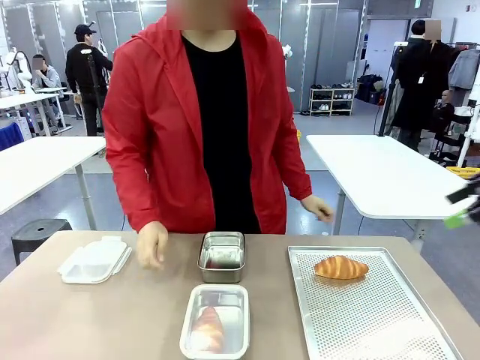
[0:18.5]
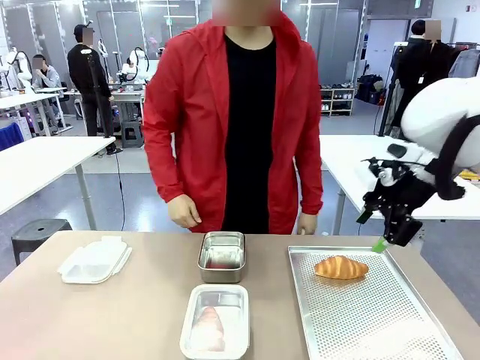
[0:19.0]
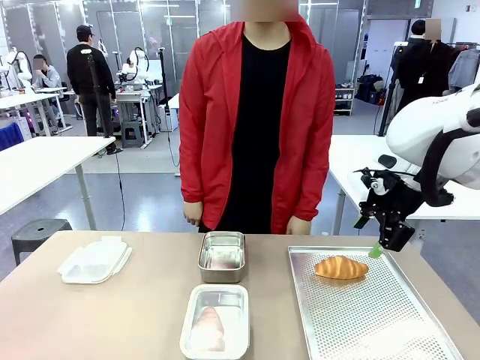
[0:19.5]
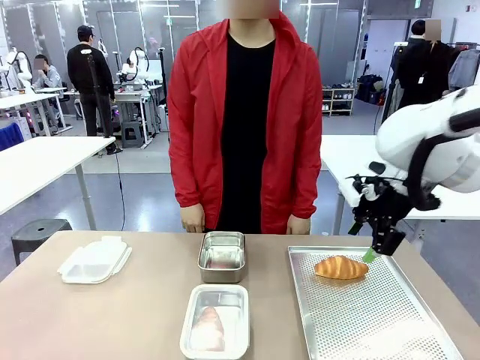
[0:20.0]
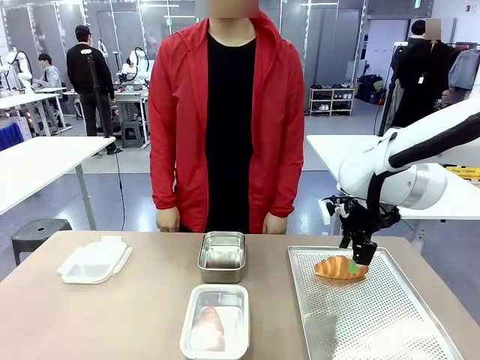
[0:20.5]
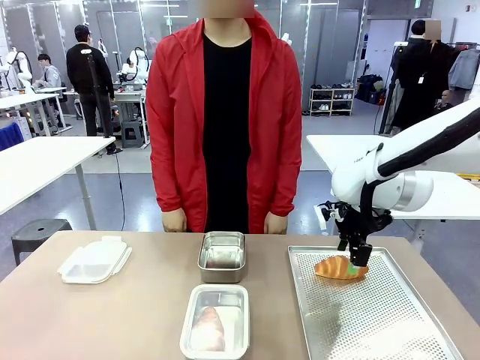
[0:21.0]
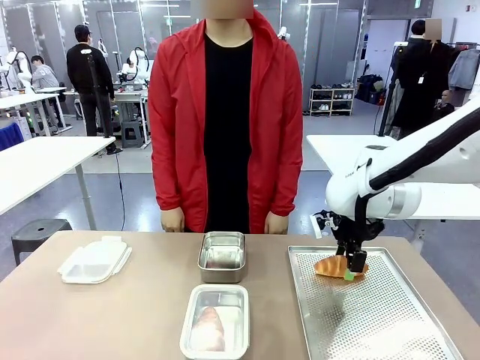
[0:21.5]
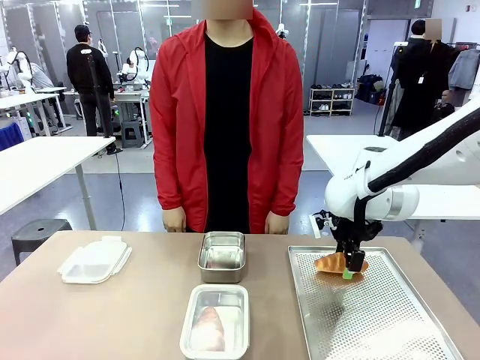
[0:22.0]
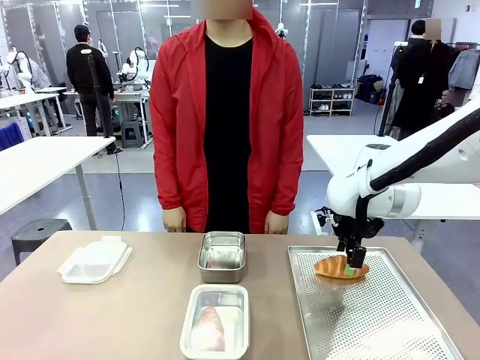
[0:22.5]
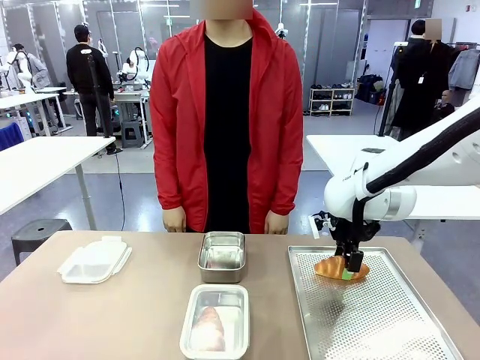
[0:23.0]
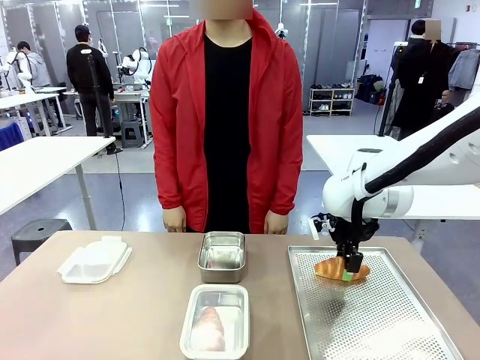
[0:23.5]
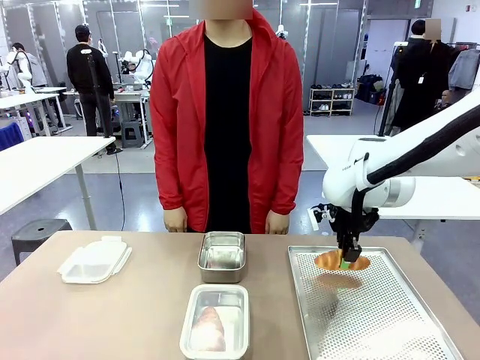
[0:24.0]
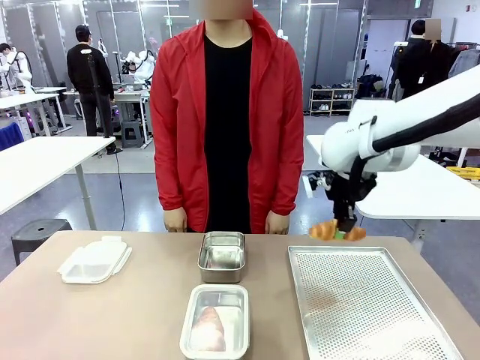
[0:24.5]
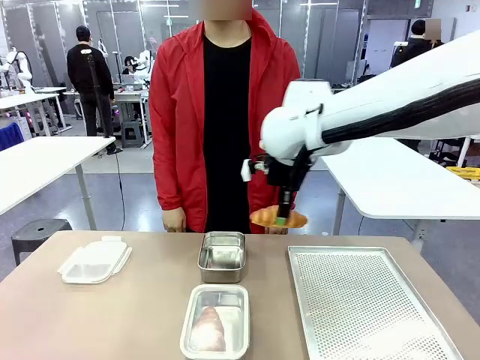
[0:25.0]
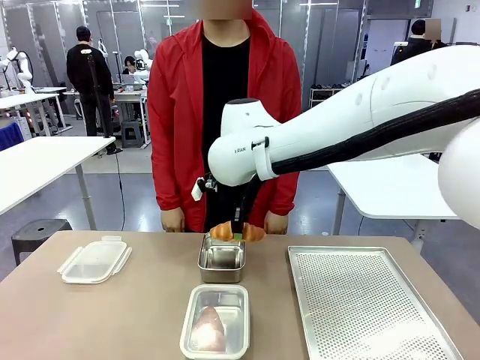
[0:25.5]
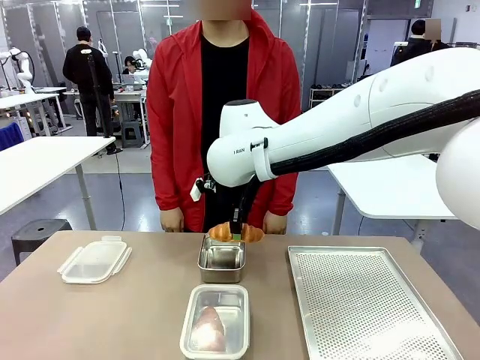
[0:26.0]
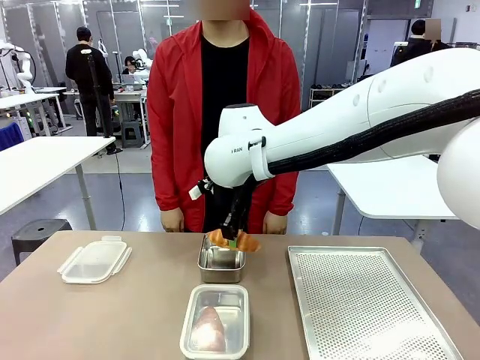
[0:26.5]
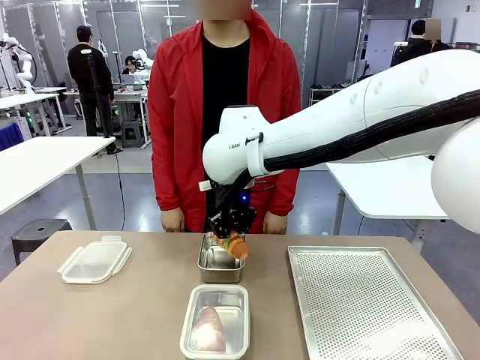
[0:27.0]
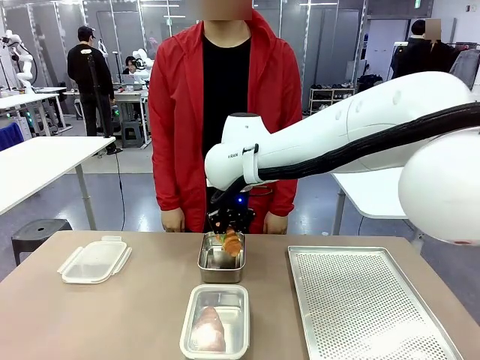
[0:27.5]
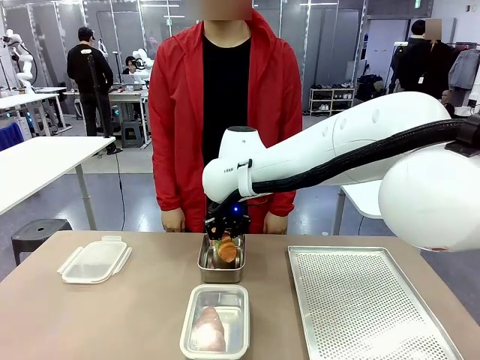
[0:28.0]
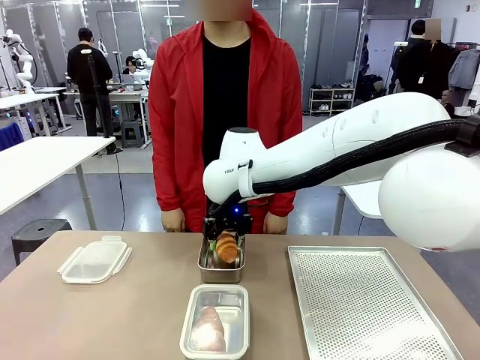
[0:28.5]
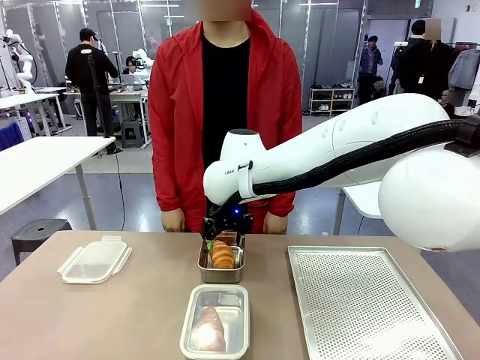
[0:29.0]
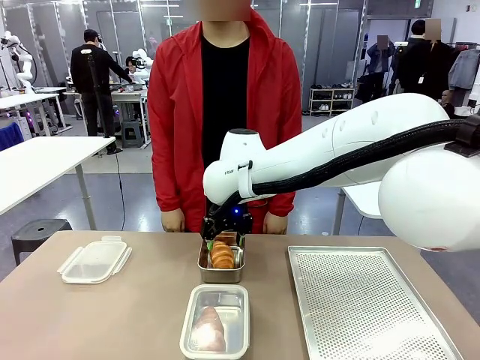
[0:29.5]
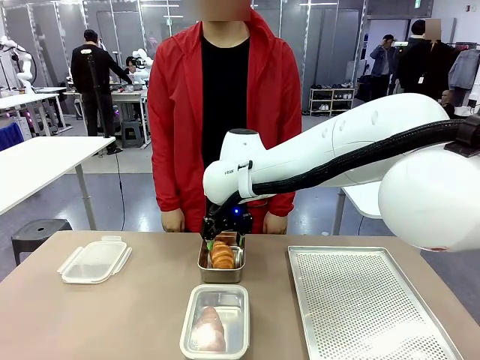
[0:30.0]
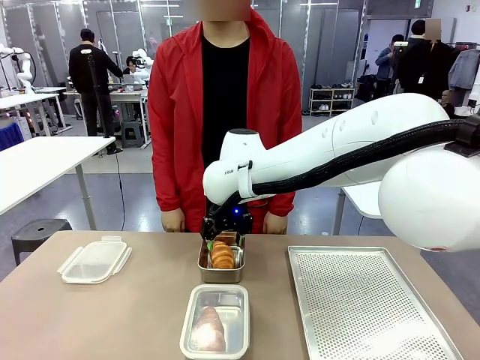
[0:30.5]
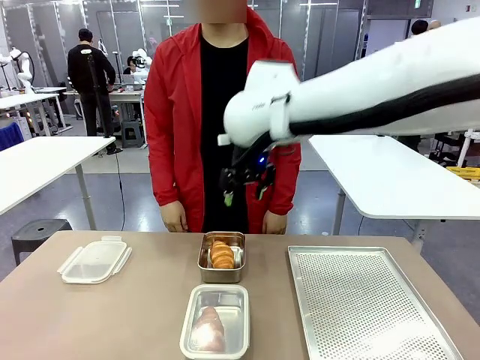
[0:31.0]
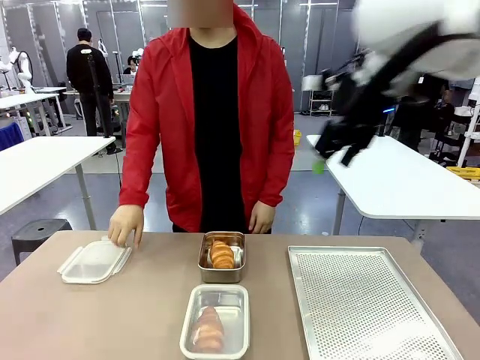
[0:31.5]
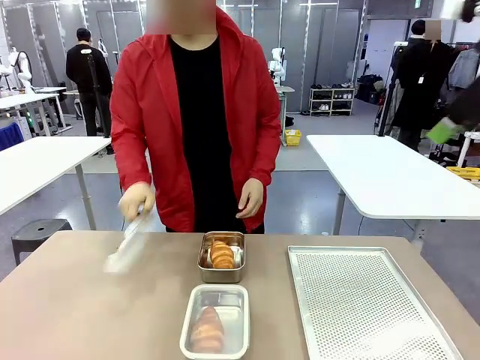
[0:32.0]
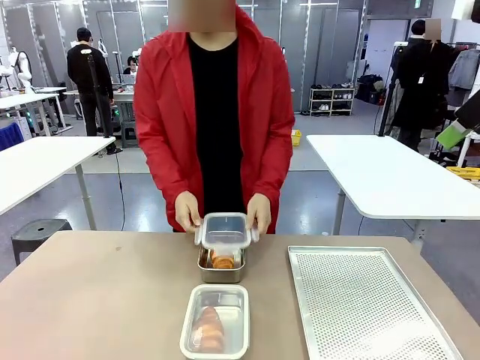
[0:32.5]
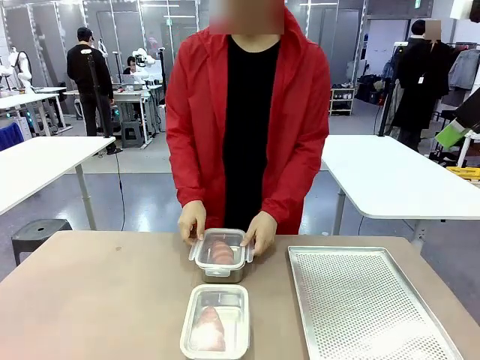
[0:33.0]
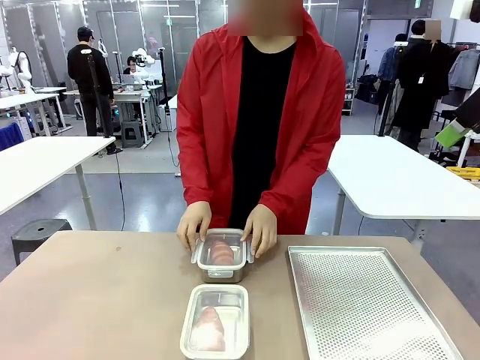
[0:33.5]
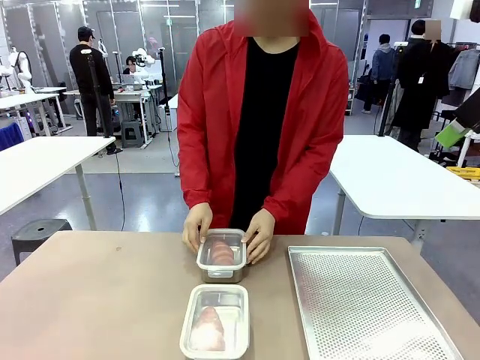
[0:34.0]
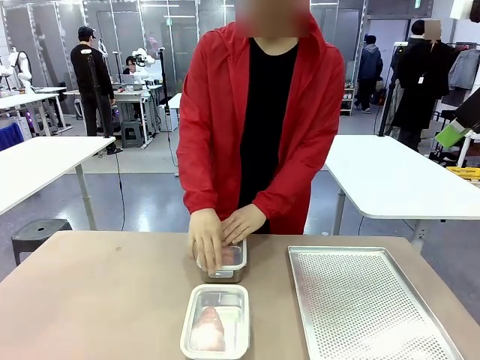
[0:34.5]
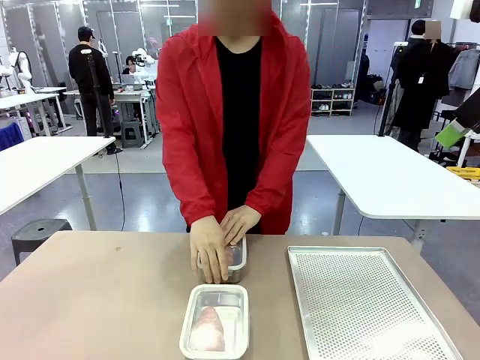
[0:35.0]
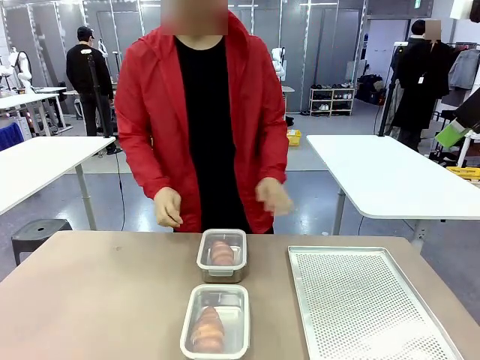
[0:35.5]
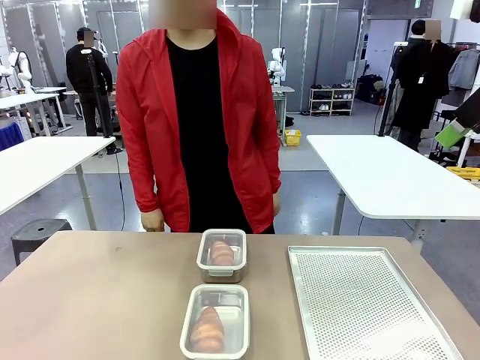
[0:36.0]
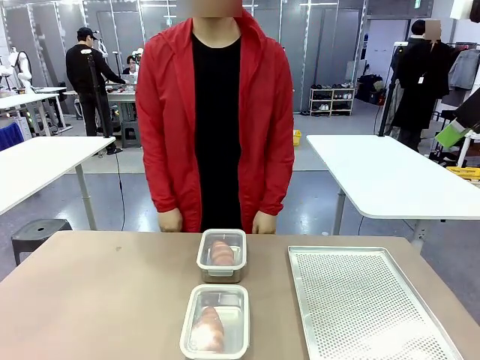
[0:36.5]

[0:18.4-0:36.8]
Task: Place the bread into the airtight container.
Robot: Pick up a Butter Roll and place it into an empty Airtight Container.

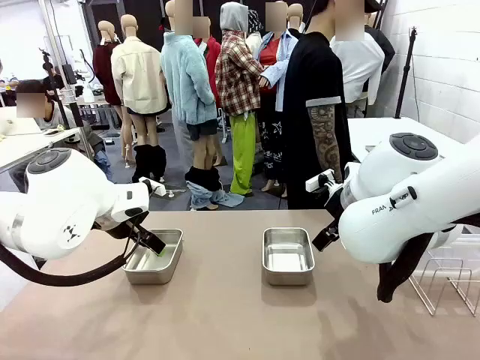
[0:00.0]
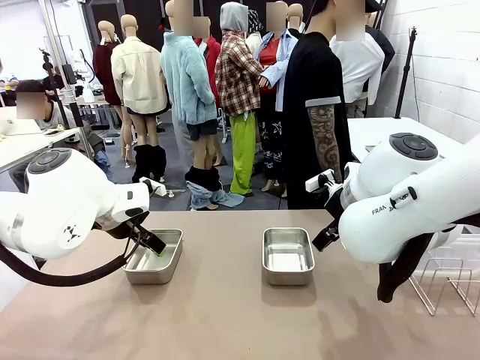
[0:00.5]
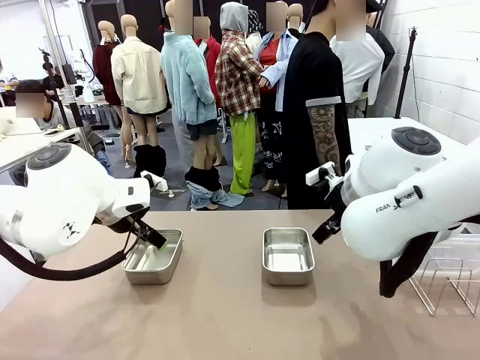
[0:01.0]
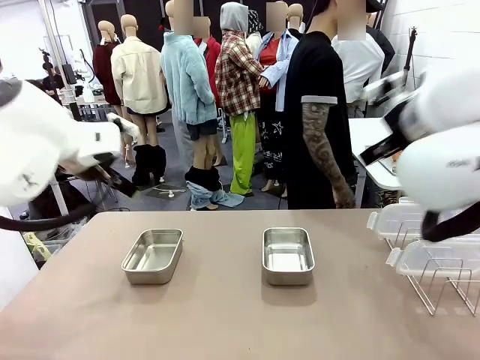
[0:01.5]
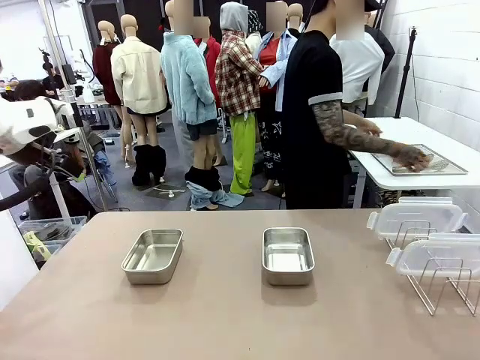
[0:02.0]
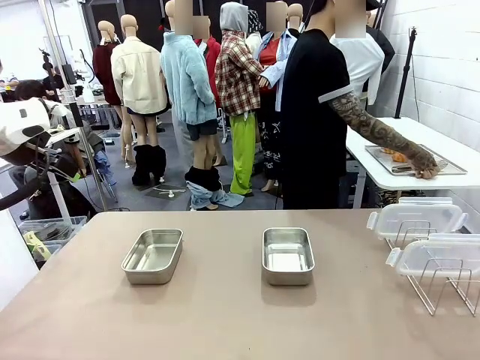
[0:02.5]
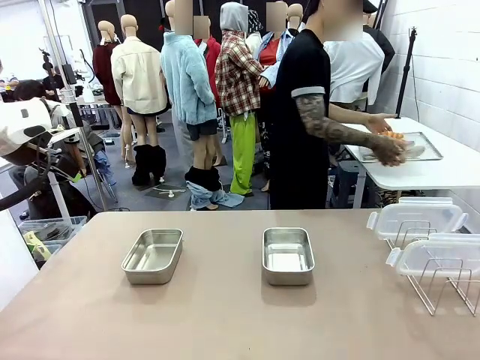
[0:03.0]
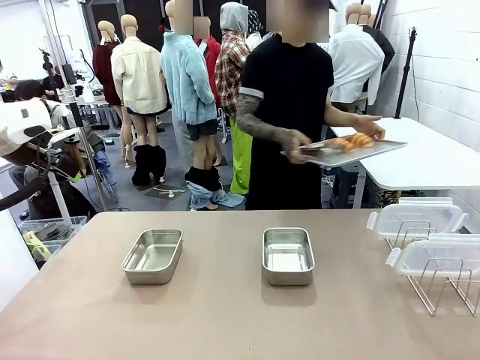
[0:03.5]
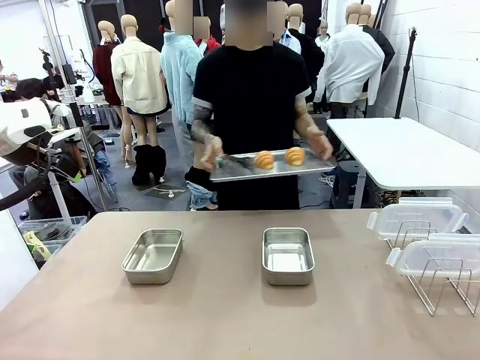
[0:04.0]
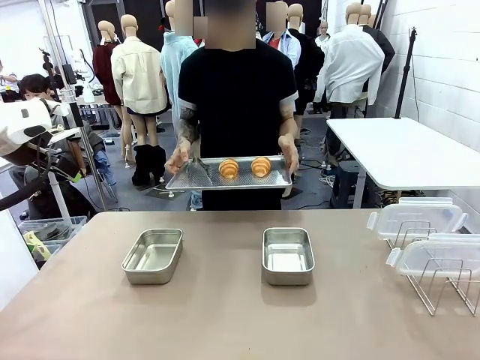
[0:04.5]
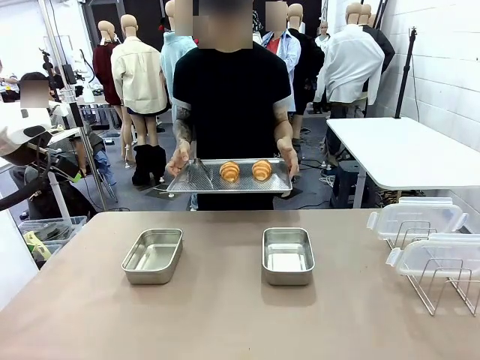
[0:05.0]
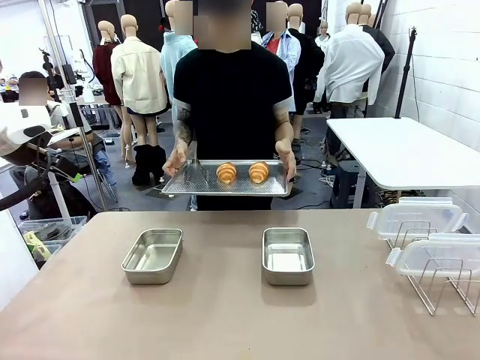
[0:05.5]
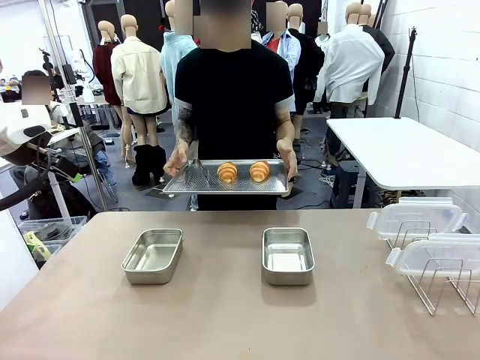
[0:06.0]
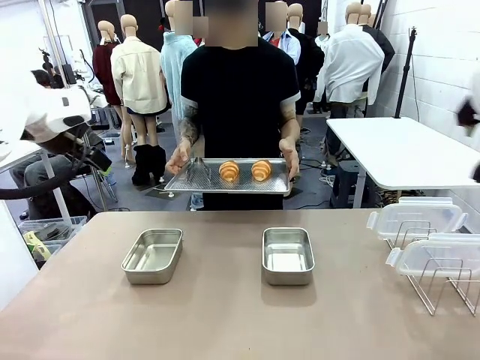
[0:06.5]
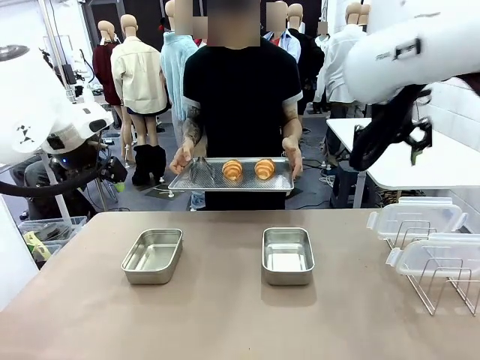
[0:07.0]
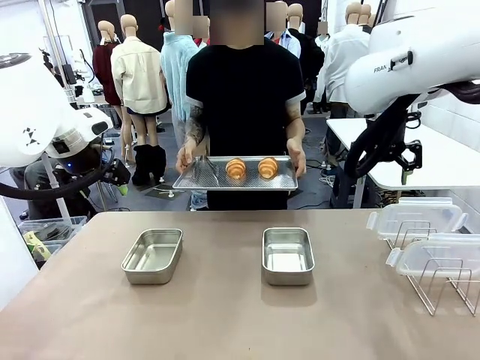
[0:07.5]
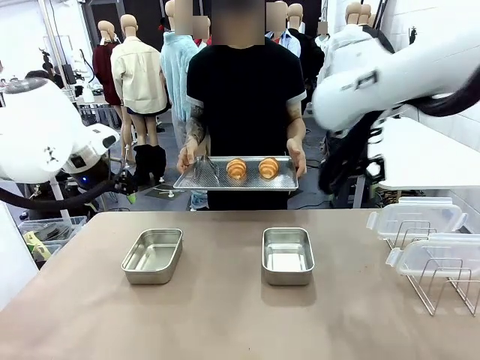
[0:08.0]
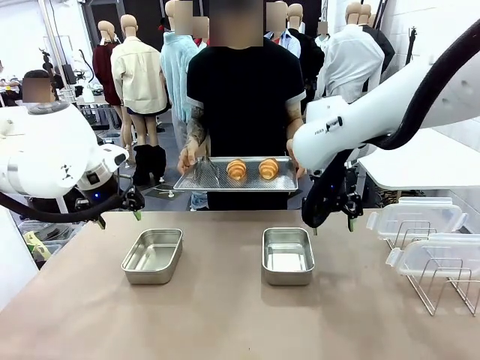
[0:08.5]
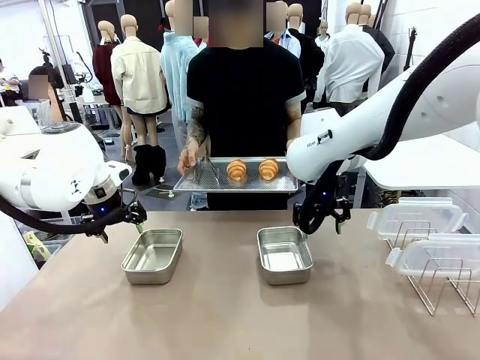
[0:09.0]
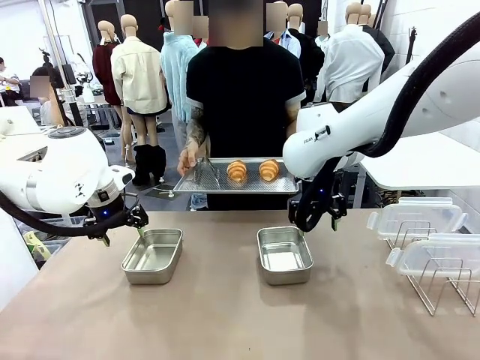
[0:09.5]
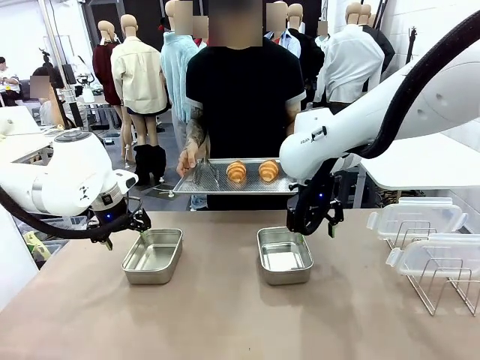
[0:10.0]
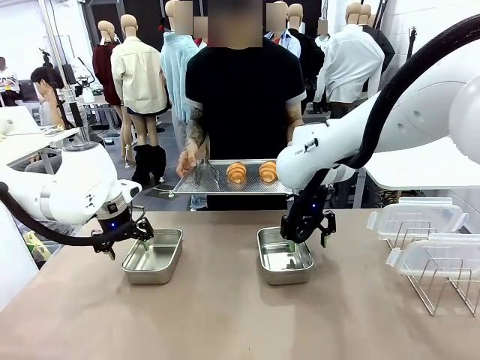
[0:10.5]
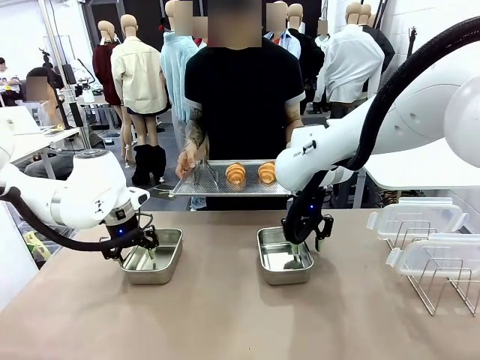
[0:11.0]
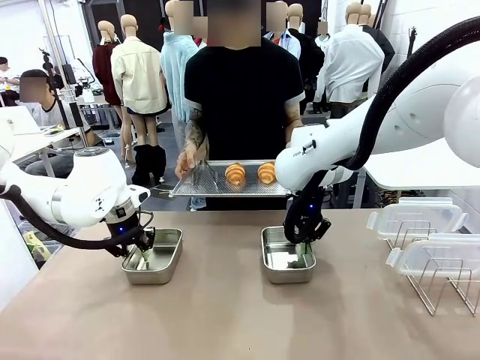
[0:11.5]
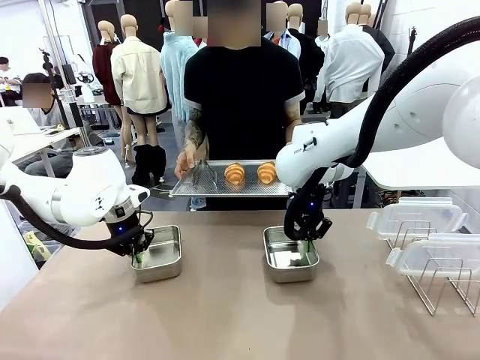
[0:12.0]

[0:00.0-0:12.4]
Task: Place the bread in airtight containers.
Robot: Lift both Airtight Container.
Person: Bring the Baking Sheet in front of Robot's Table.
